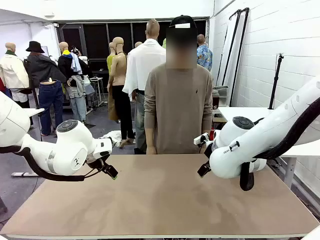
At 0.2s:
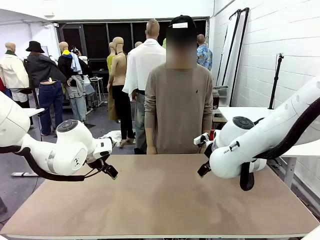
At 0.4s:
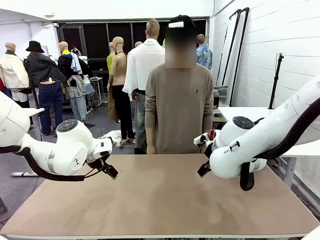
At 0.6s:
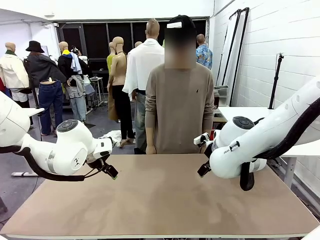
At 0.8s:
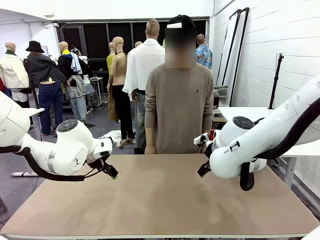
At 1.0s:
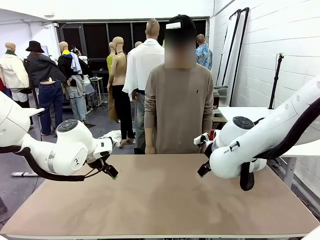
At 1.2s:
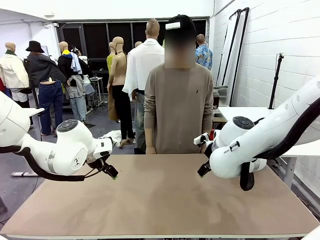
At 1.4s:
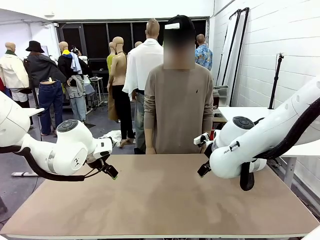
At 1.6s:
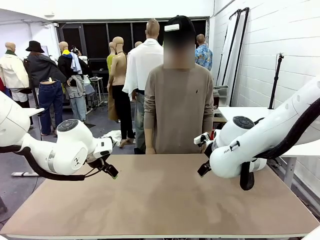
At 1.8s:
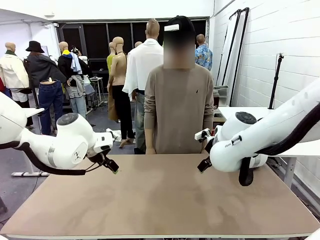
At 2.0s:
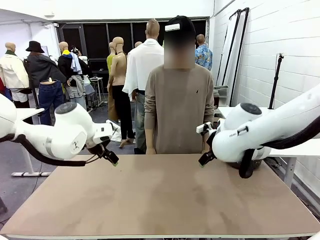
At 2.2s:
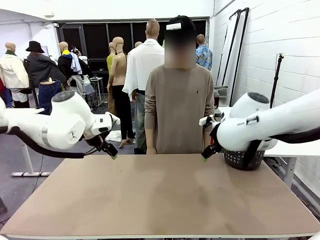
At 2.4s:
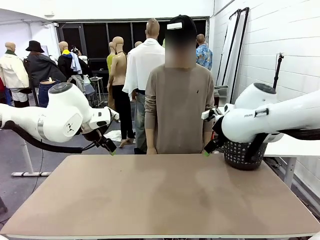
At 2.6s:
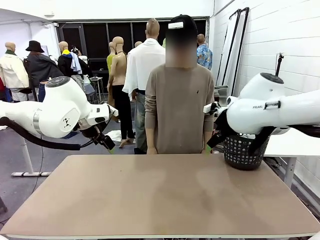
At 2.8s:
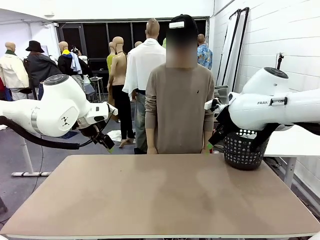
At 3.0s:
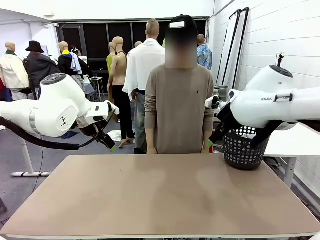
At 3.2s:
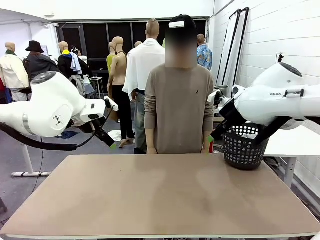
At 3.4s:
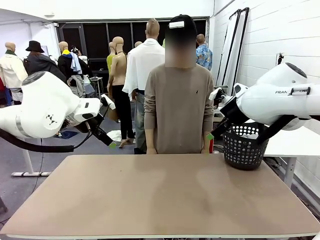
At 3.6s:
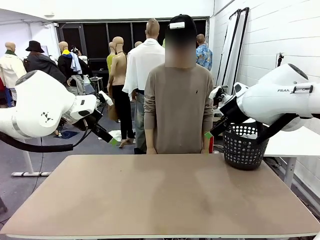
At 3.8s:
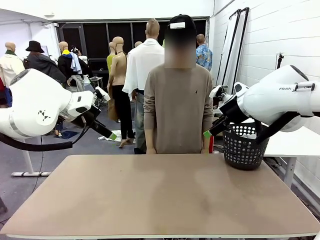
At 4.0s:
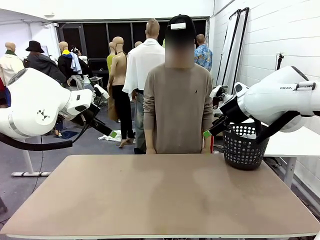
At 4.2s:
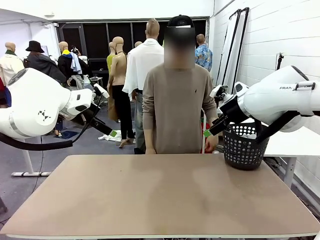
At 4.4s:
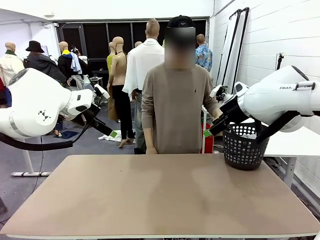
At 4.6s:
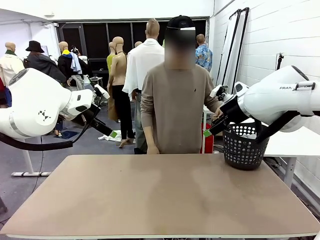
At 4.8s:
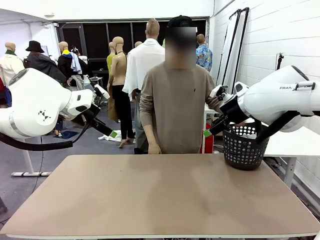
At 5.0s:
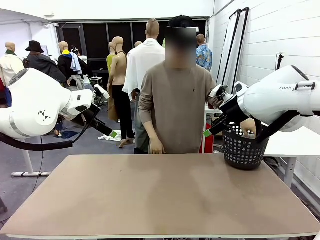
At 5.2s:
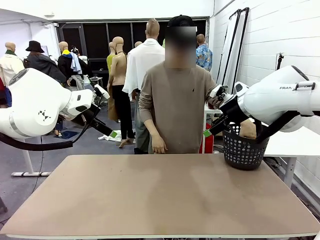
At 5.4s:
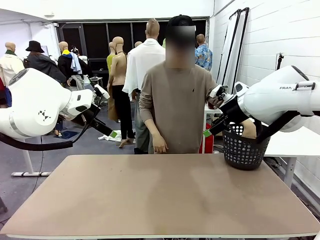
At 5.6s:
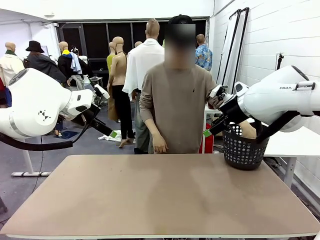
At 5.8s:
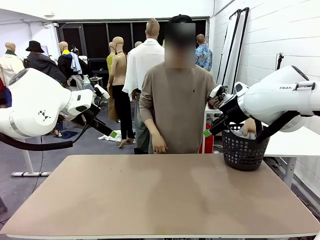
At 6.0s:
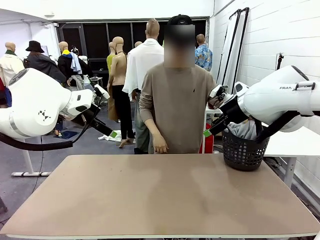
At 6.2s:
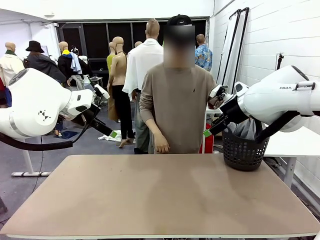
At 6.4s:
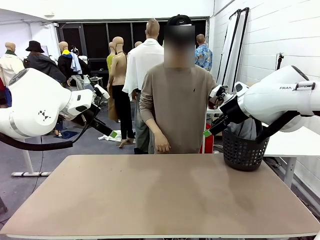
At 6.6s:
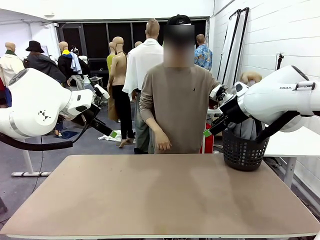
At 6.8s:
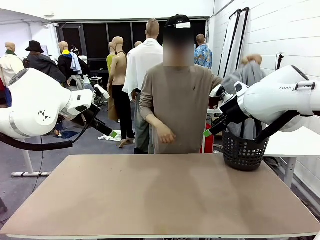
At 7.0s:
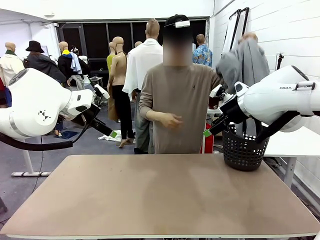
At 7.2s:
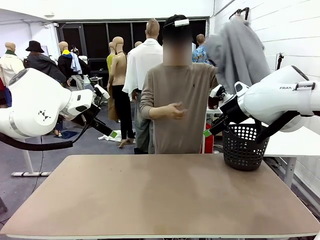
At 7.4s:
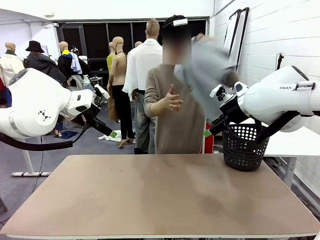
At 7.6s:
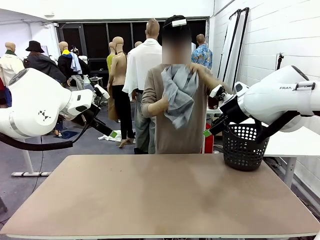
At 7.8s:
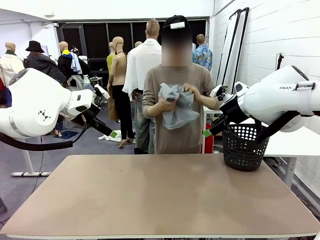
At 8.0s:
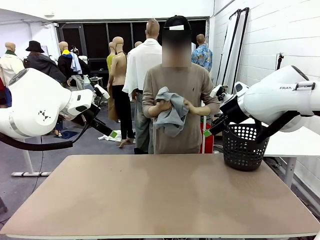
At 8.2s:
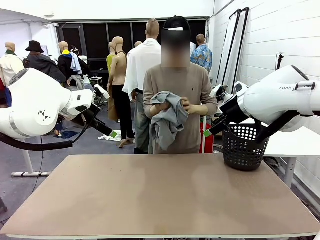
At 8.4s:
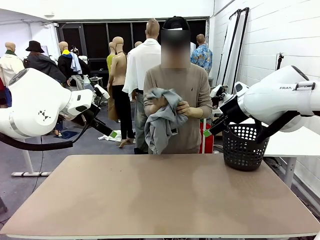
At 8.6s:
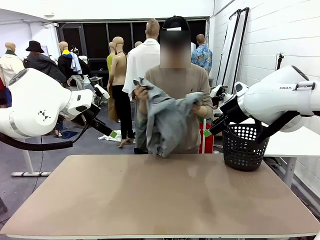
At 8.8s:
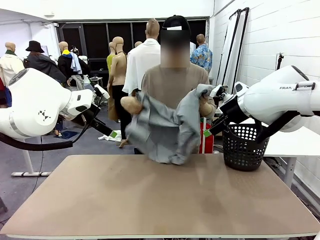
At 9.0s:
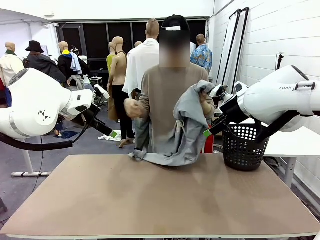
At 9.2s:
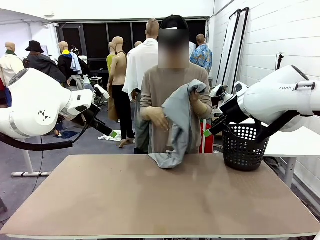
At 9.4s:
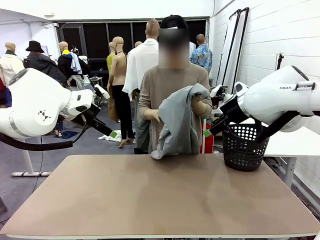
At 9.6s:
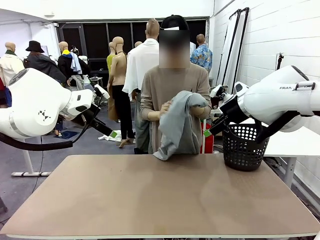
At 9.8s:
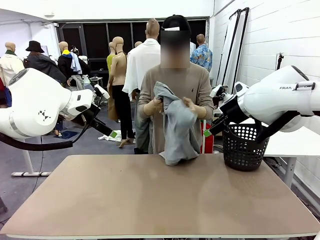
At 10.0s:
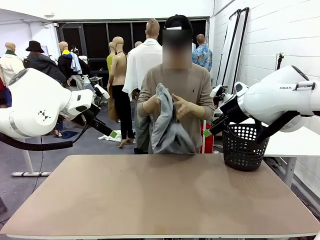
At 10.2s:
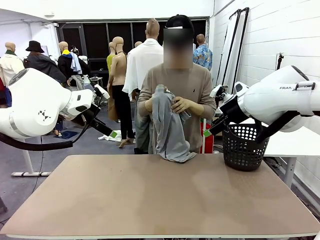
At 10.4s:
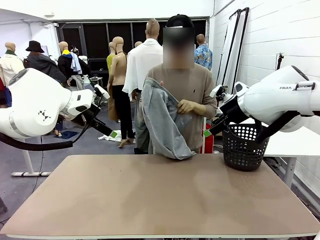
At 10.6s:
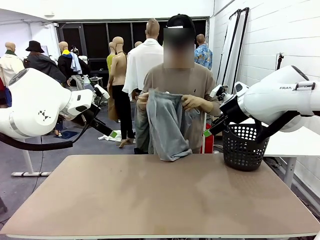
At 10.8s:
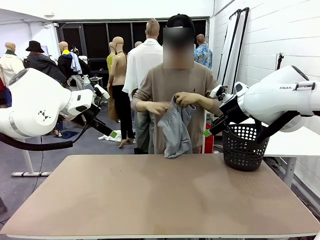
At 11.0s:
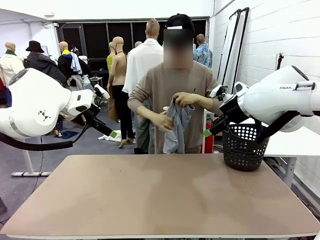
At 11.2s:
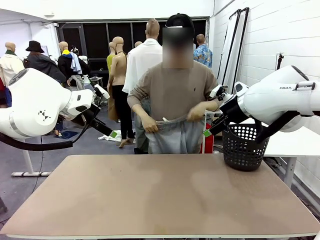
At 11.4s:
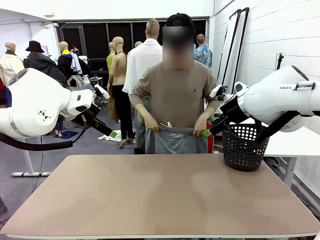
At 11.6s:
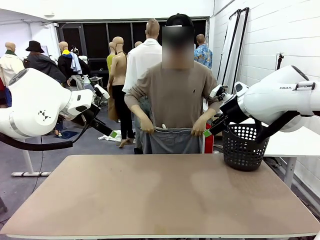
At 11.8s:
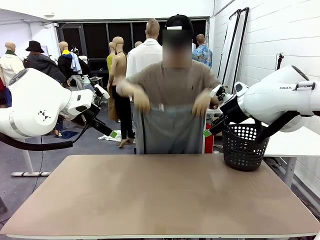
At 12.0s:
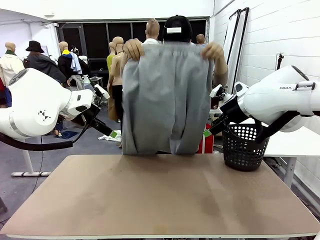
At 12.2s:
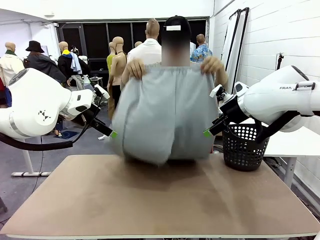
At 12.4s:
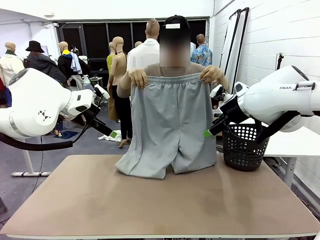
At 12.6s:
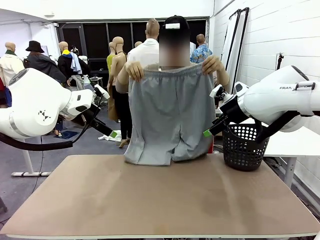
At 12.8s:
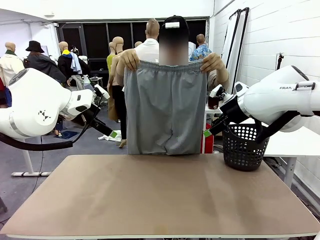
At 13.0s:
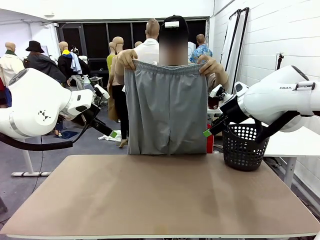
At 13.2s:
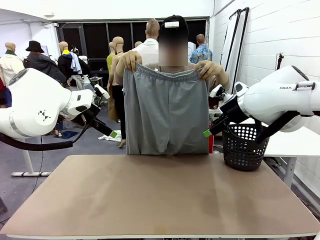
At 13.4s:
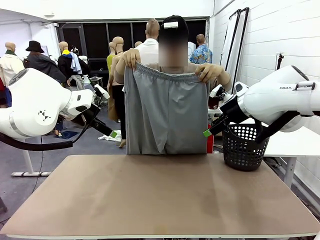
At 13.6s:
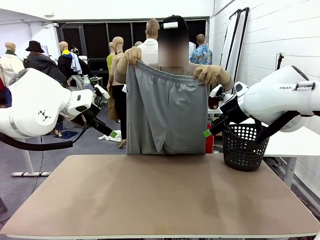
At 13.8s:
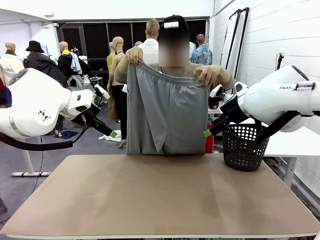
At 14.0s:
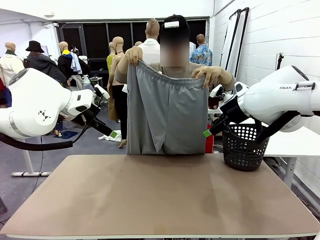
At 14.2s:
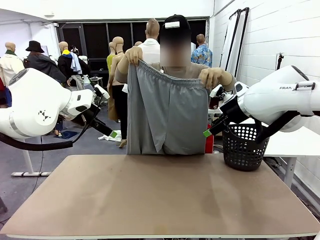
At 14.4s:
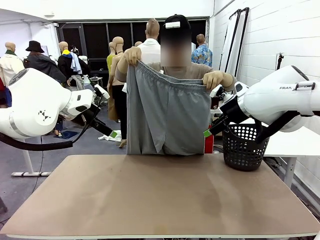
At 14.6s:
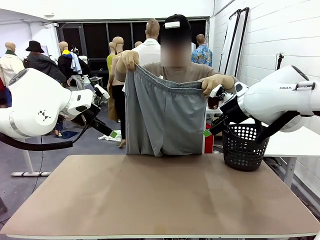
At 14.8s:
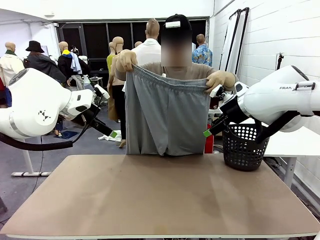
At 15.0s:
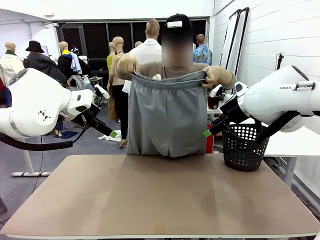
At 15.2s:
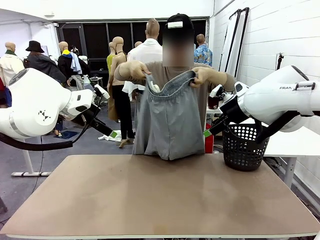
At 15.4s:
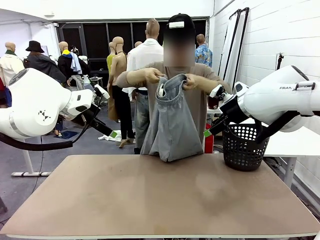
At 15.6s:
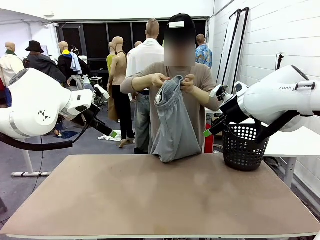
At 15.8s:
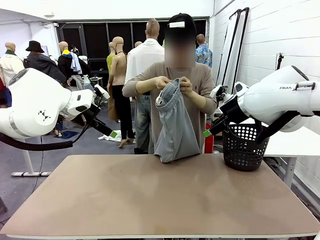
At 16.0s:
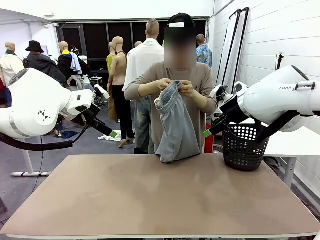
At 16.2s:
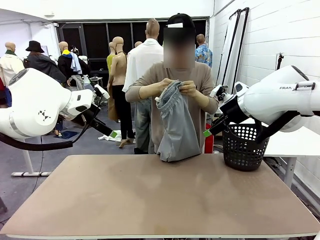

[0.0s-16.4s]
Task: Fold the training pants.
Robot: Grab both ends of the Training pants handed by a person.
Person: Take the long pants out of the laundry basket, unfold them, fold the waist in half, and extend them so the robot can pick up both corners.
